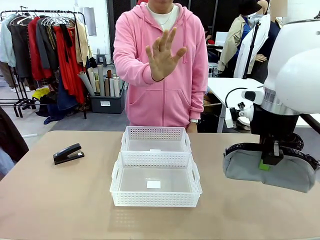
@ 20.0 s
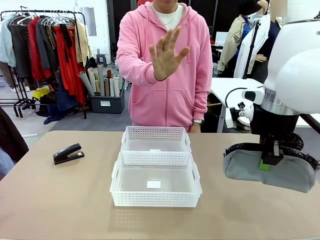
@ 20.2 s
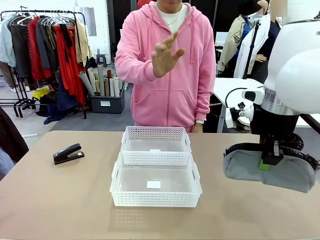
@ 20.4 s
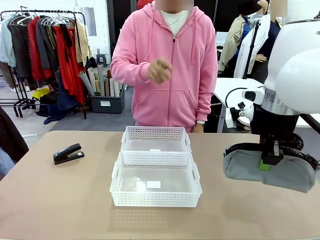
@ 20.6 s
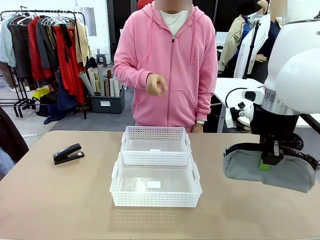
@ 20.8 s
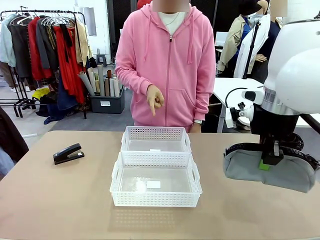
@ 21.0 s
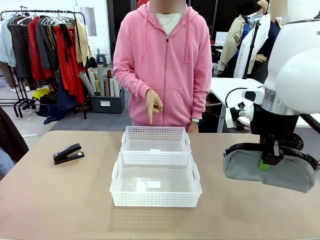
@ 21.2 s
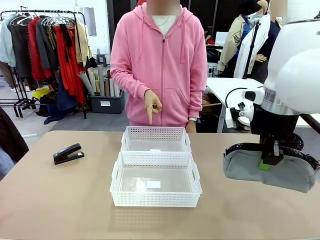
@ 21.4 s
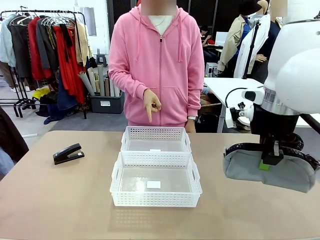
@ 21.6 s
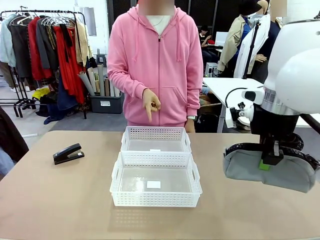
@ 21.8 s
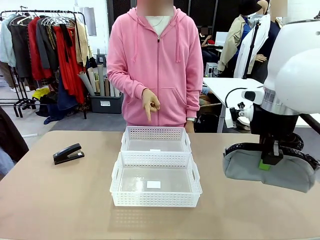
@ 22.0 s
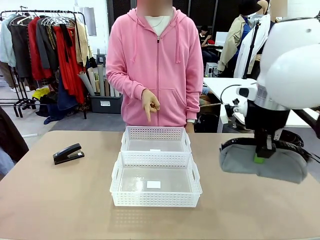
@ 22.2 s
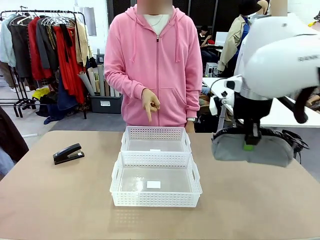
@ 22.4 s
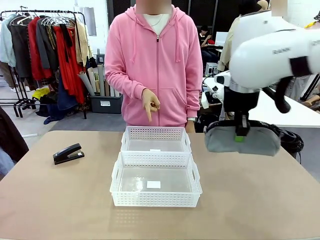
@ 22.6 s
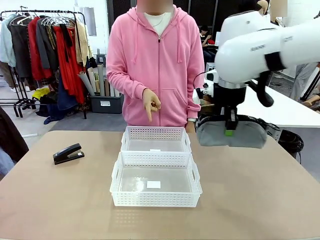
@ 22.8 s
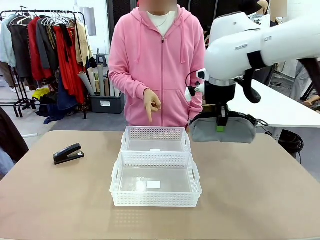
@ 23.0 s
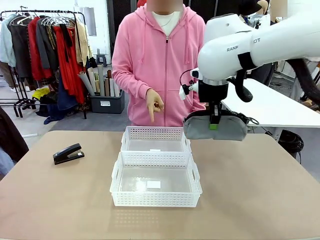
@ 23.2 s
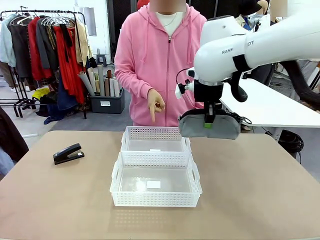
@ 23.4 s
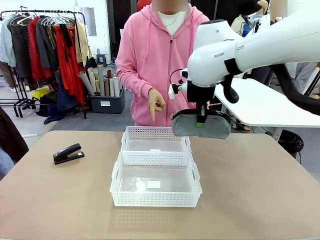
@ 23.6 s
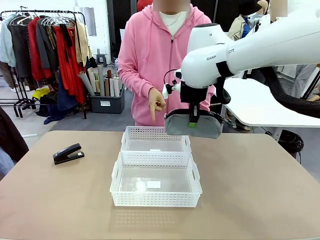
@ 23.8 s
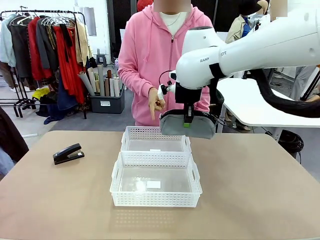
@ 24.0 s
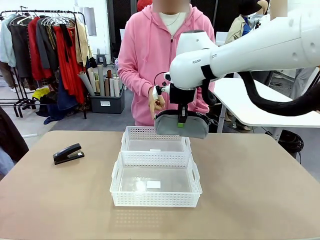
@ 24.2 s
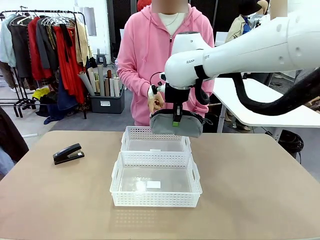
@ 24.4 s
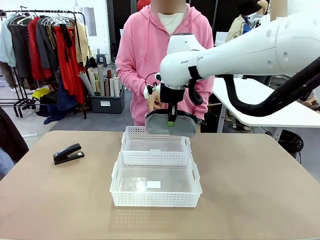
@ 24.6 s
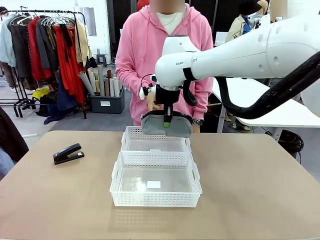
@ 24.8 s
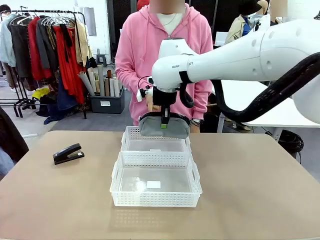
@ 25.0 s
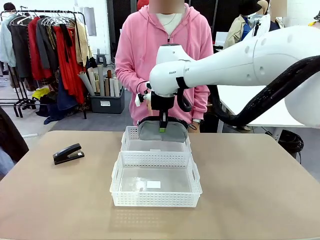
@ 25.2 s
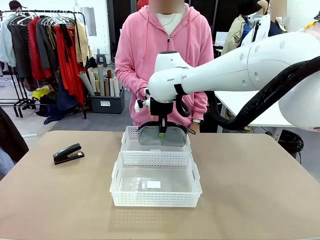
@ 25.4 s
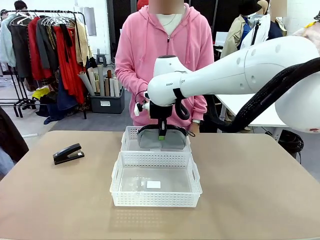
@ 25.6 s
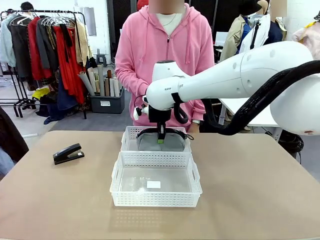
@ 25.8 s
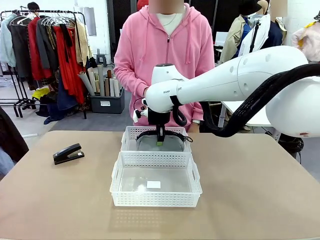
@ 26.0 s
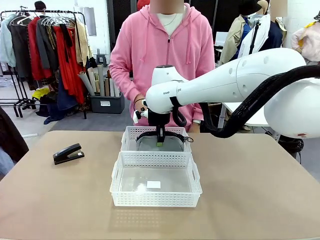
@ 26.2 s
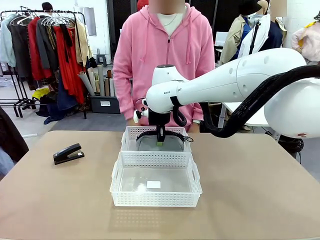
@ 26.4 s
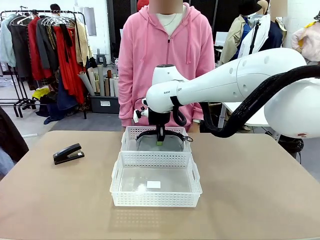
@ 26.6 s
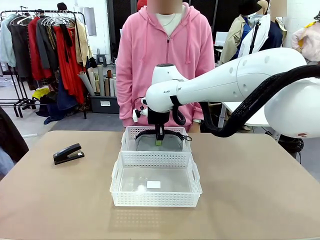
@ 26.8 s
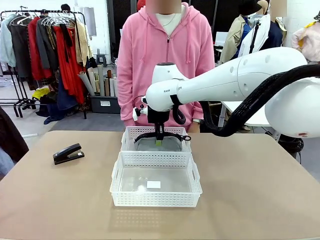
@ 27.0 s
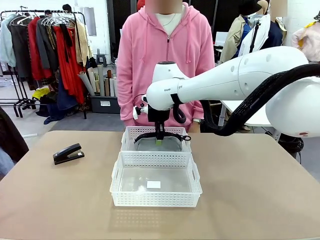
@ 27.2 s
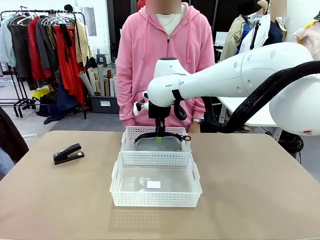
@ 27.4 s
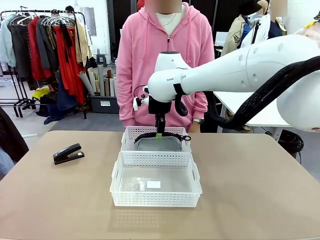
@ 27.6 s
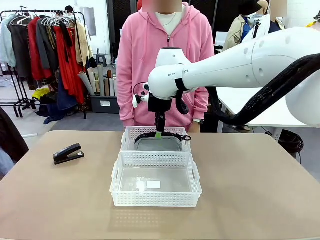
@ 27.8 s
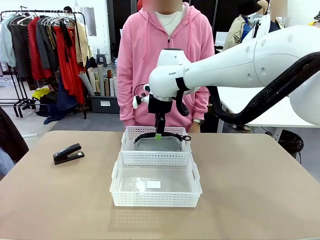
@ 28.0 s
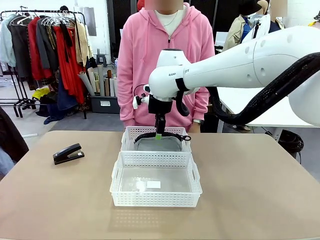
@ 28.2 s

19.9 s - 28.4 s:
Task: Distribute items into two baskets.
Robot: Place the picked Pencil pouch into the Organizing basket as instructed by the person.
Person: Instructs the robot to place the pencil case into the opposite basket. Points to the stapler.

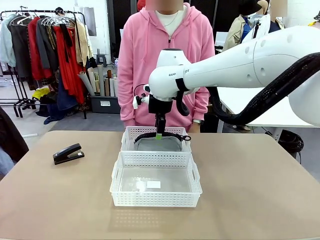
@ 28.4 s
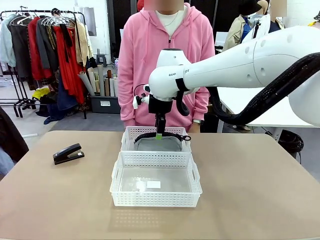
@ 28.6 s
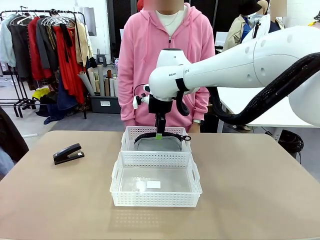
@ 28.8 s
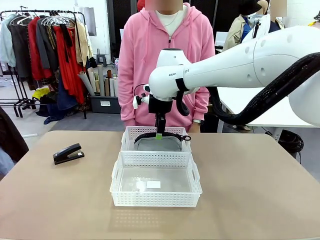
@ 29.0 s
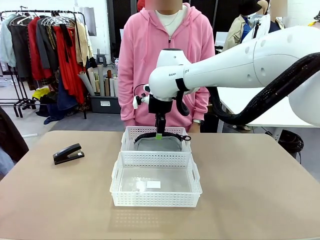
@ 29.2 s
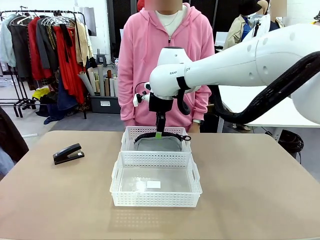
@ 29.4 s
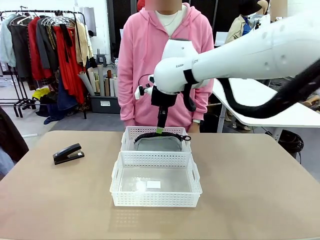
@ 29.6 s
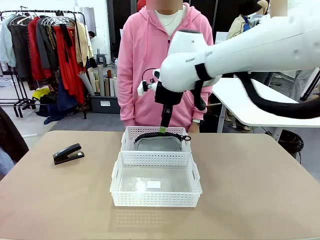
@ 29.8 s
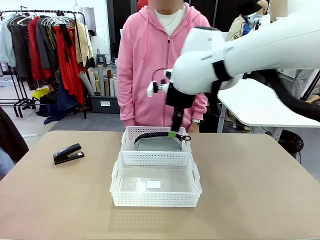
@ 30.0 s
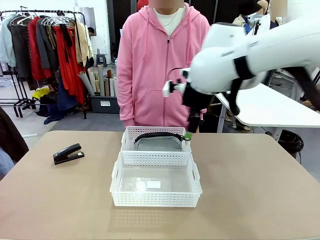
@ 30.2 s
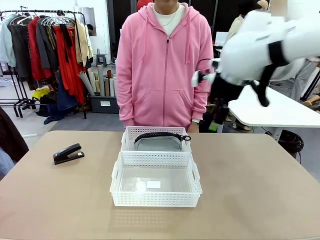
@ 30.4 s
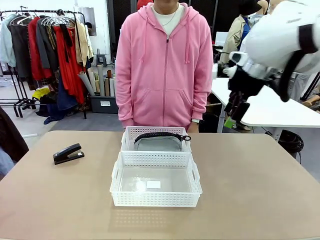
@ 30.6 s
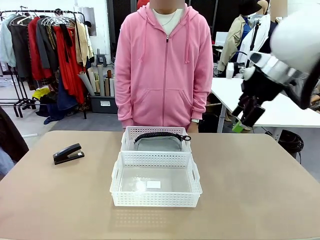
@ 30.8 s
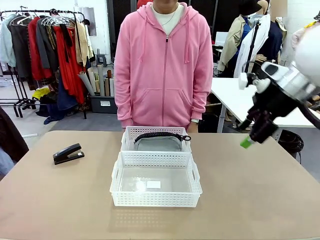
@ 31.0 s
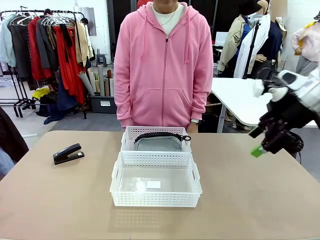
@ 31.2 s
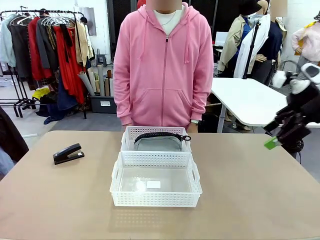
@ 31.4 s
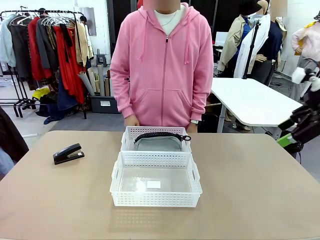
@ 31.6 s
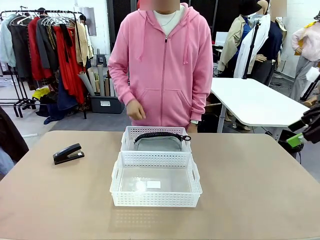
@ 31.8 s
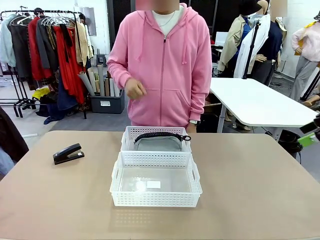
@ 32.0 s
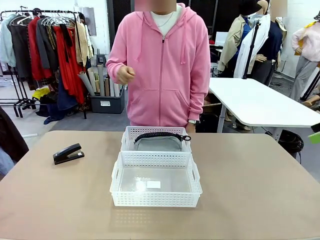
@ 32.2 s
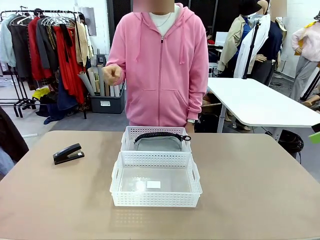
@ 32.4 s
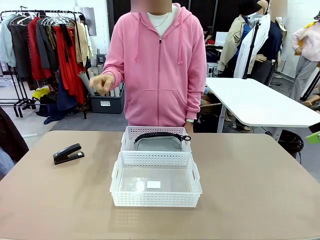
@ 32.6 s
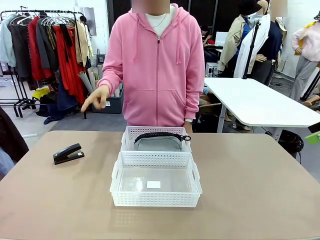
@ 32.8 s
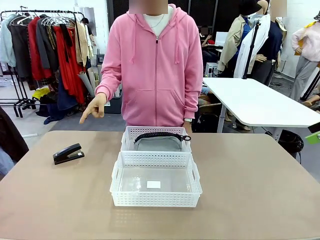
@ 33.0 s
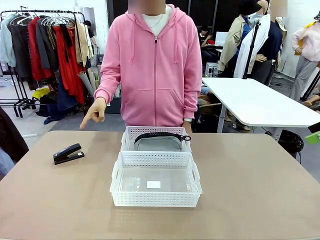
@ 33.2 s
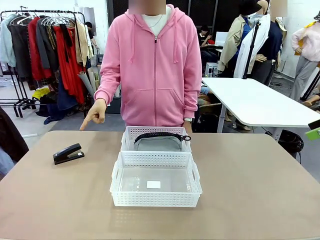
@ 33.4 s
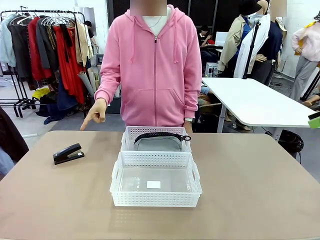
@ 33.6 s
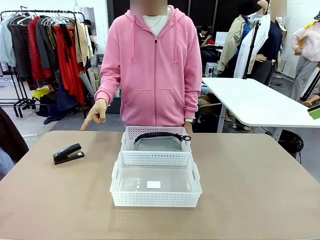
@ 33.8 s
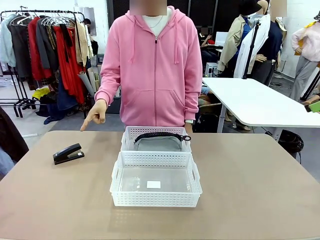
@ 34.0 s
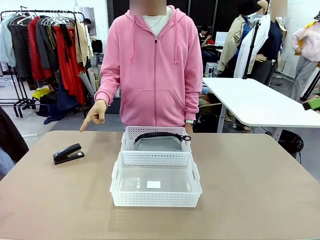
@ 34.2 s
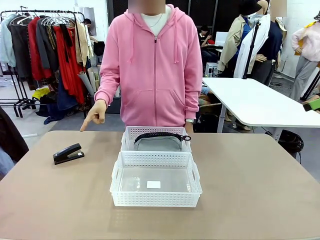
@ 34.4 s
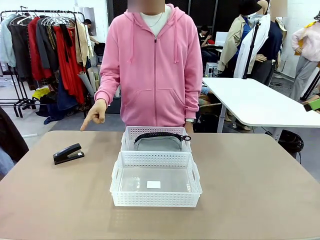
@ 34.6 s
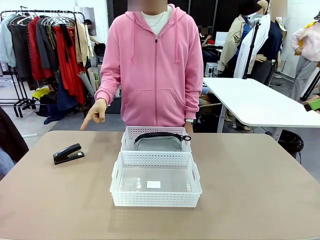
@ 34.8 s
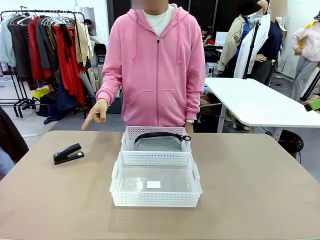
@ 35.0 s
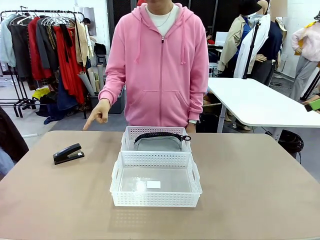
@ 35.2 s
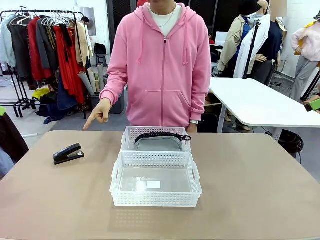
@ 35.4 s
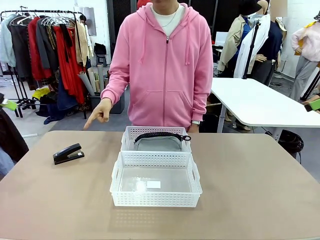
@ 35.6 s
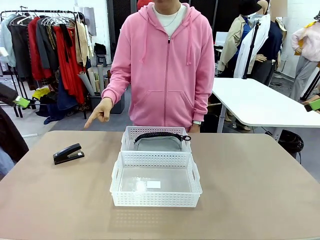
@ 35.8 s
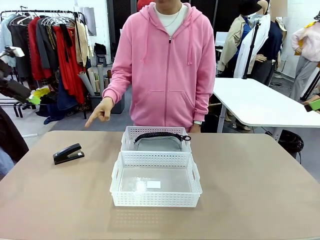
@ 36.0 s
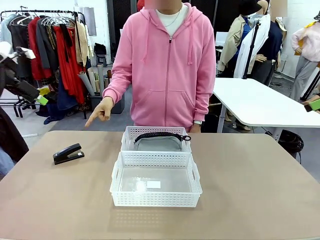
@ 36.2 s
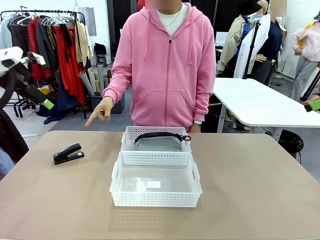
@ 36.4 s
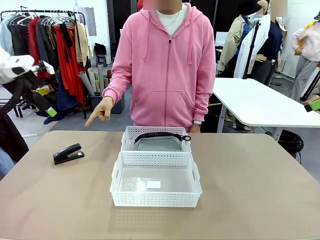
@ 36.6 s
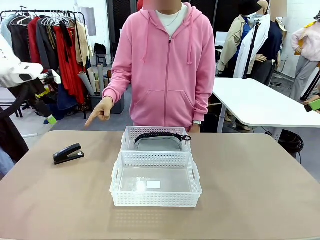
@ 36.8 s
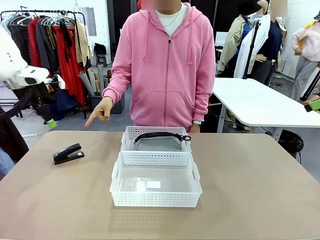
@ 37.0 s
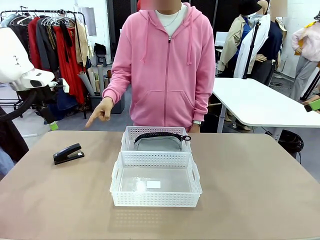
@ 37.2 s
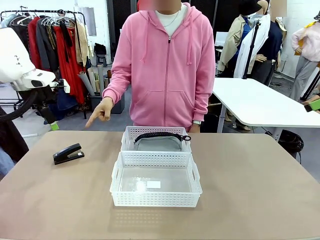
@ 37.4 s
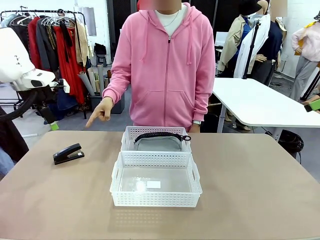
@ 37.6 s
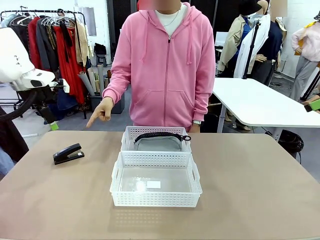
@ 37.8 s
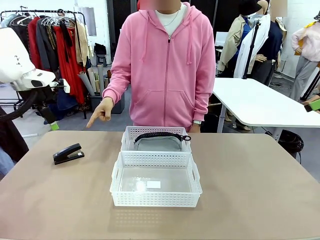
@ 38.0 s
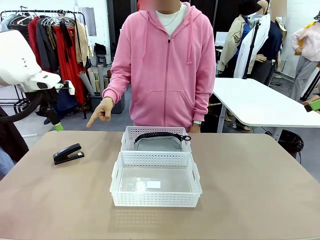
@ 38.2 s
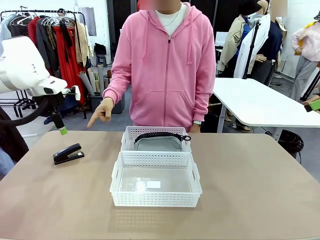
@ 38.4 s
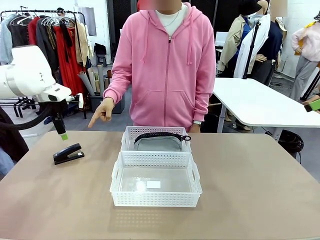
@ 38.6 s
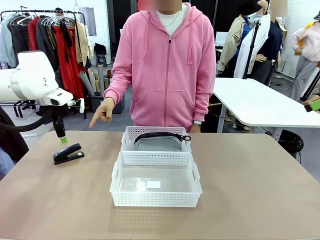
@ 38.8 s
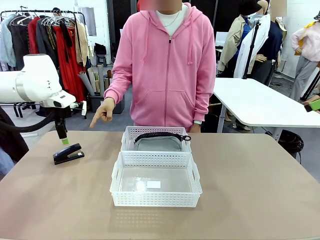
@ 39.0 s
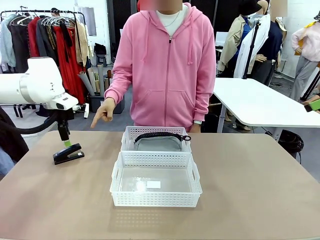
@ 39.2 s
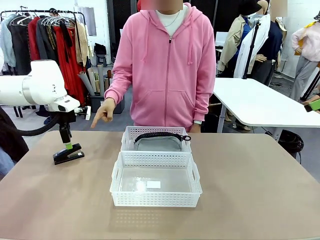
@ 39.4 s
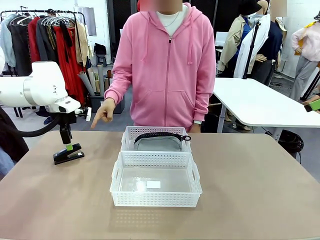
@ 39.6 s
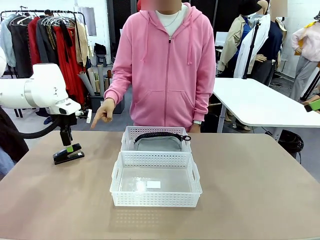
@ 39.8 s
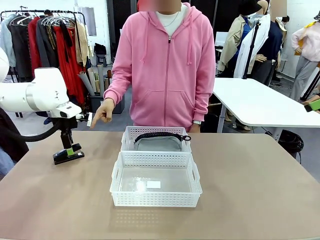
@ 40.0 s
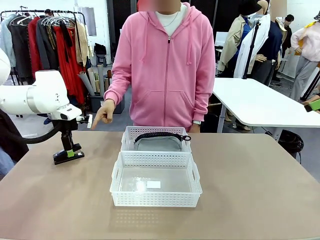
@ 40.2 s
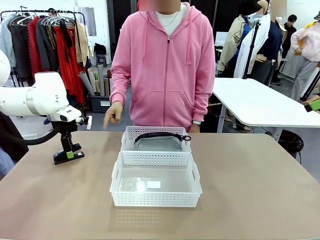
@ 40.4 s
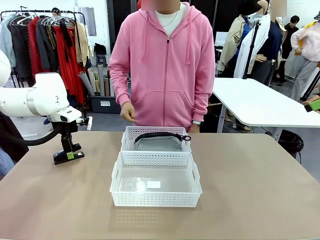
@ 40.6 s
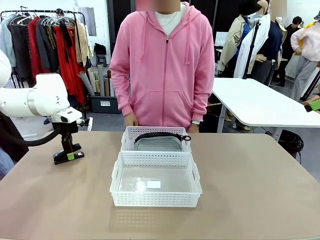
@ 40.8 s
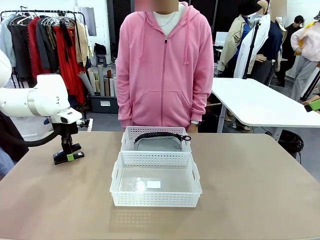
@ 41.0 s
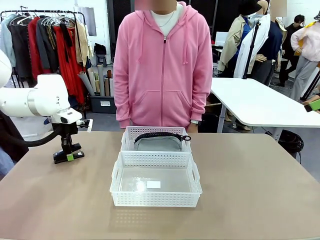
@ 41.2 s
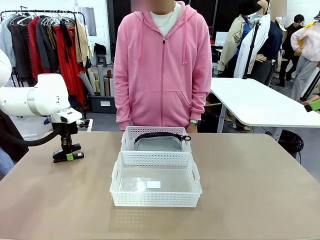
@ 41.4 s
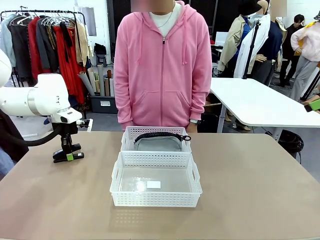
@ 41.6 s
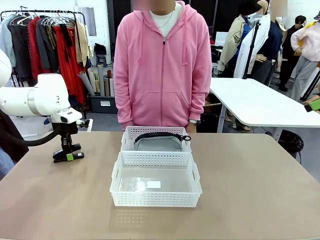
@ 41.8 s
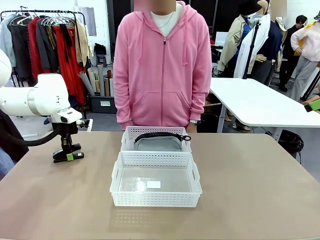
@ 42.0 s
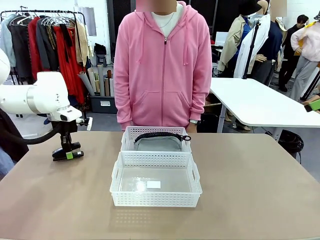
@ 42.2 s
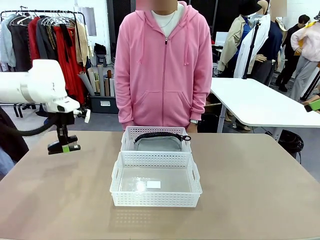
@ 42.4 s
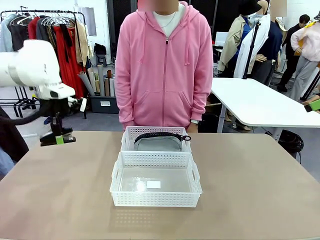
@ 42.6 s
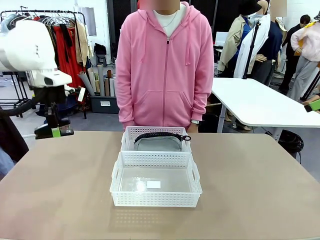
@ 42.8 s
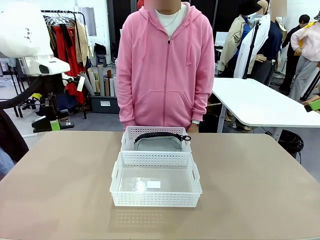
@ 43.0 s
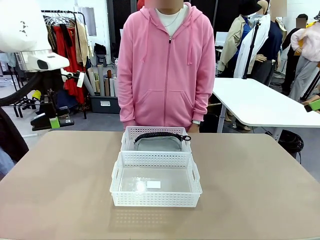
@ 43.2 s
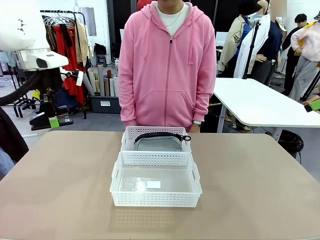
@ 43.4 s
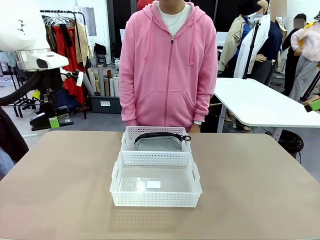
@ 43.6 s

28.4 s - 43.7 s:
Robot: Pick up the Stapler that the person points to.
